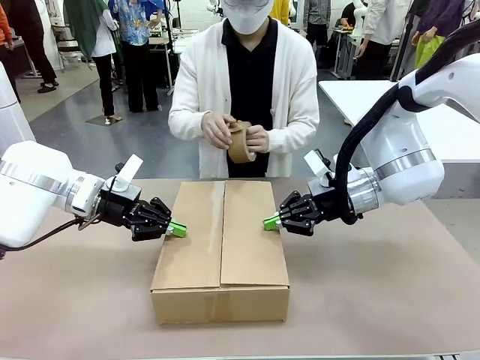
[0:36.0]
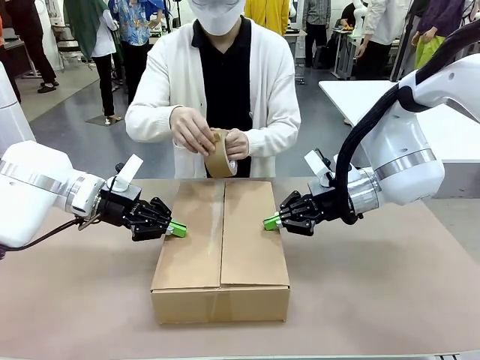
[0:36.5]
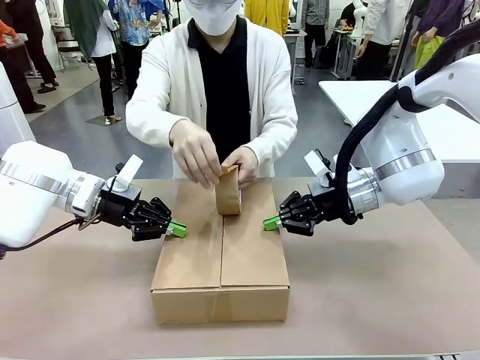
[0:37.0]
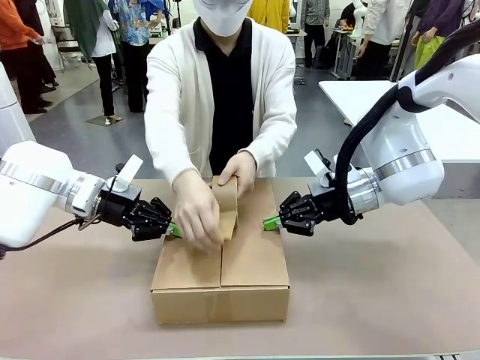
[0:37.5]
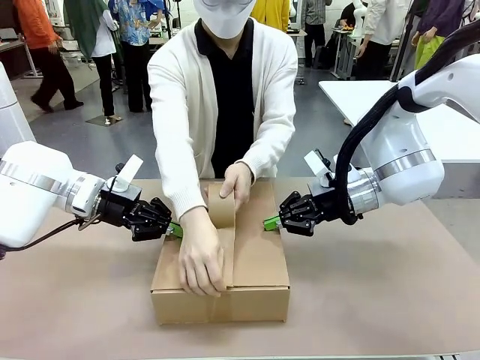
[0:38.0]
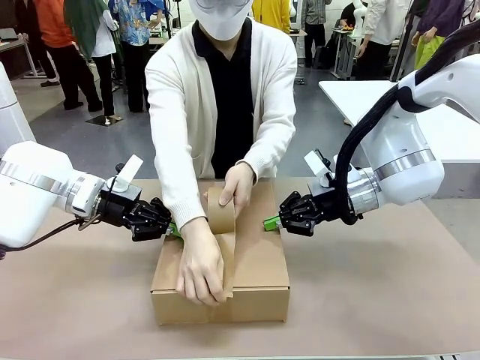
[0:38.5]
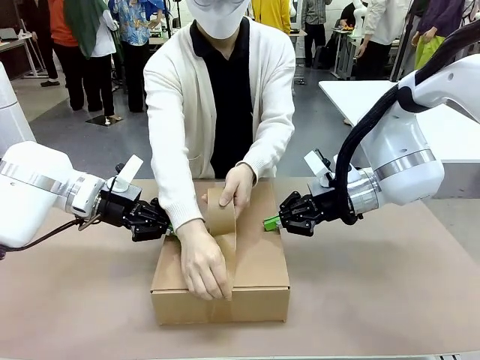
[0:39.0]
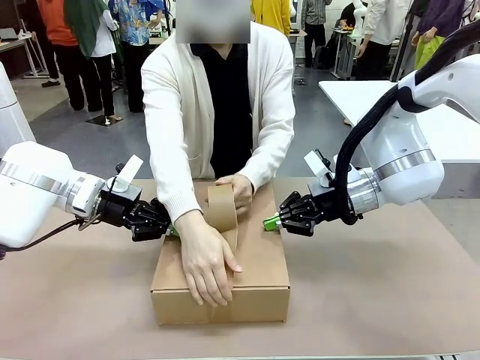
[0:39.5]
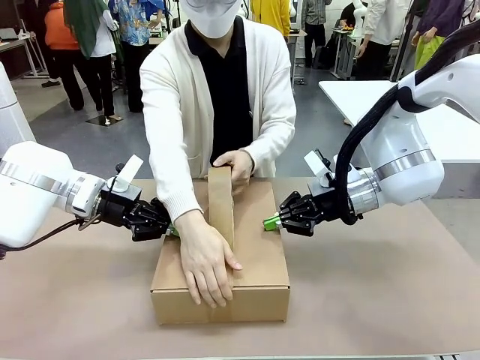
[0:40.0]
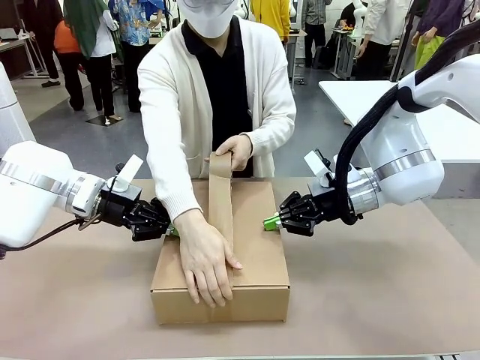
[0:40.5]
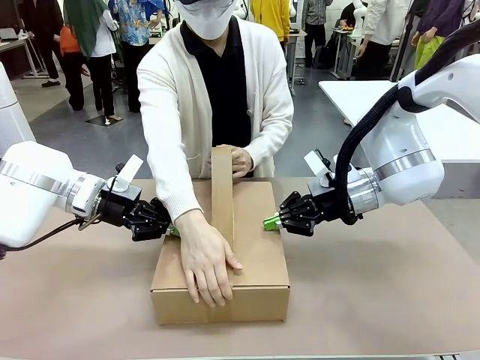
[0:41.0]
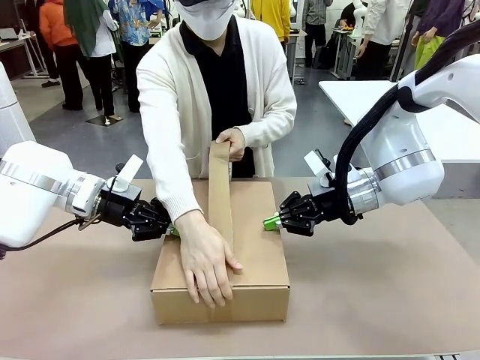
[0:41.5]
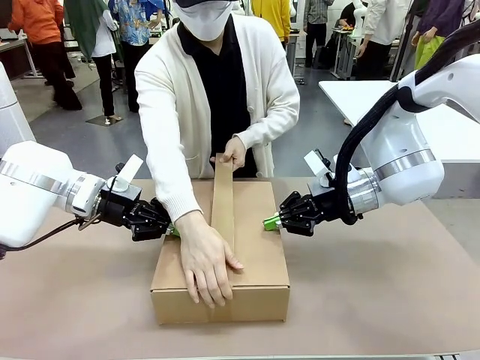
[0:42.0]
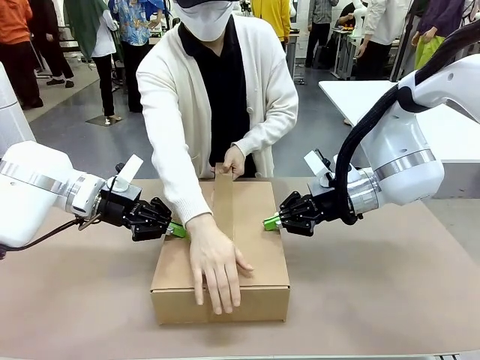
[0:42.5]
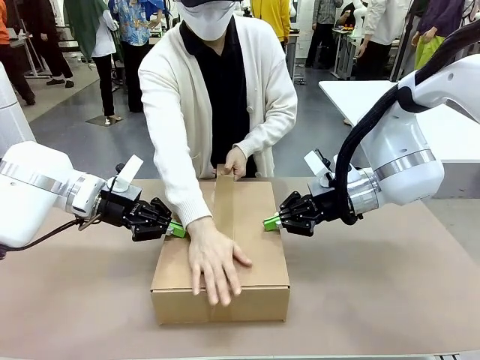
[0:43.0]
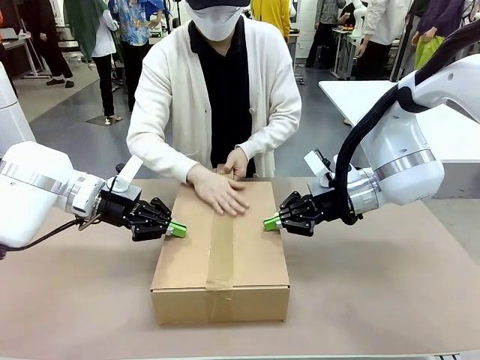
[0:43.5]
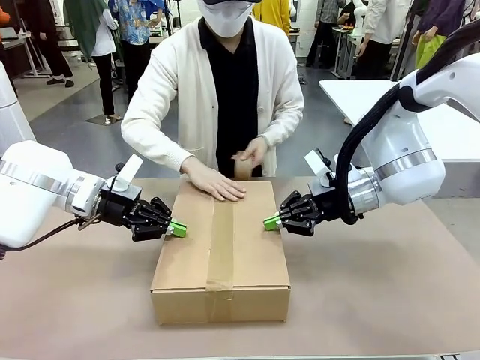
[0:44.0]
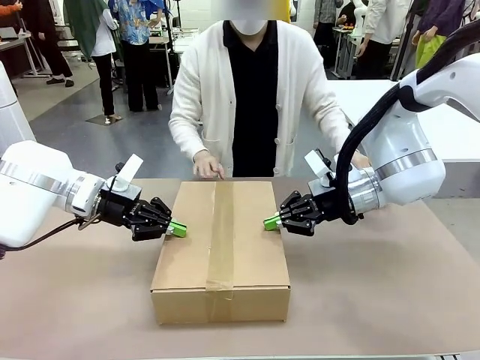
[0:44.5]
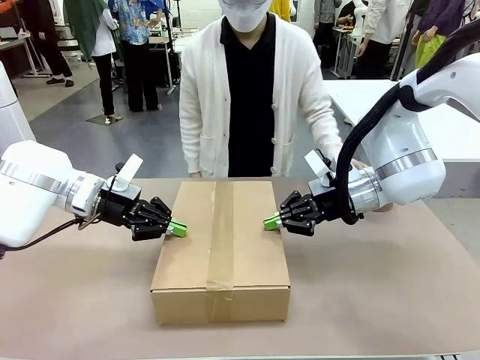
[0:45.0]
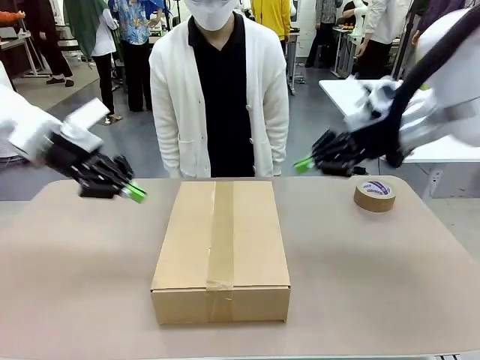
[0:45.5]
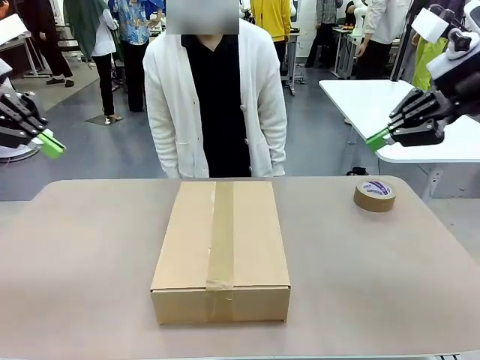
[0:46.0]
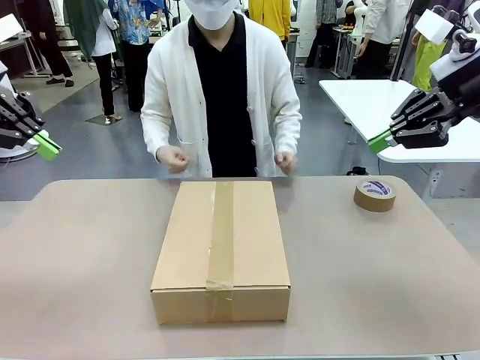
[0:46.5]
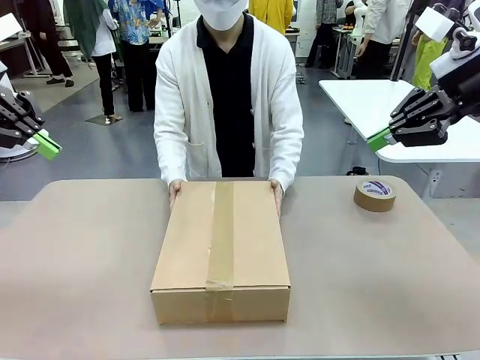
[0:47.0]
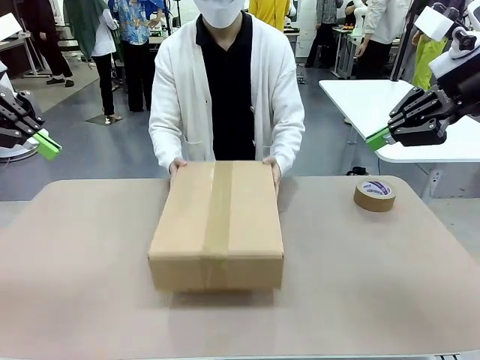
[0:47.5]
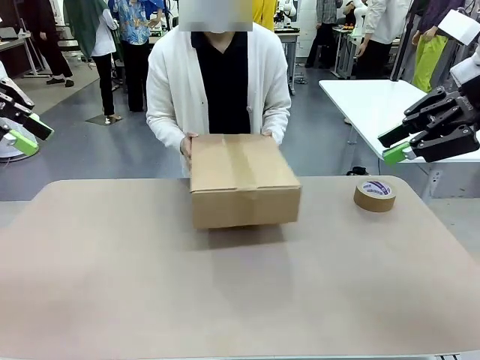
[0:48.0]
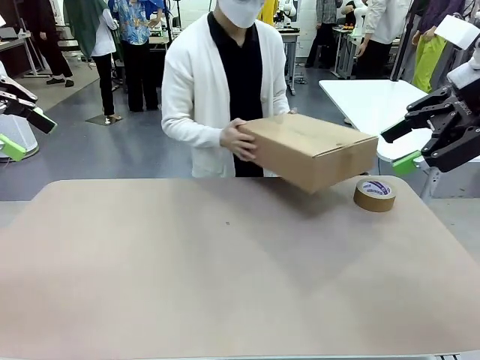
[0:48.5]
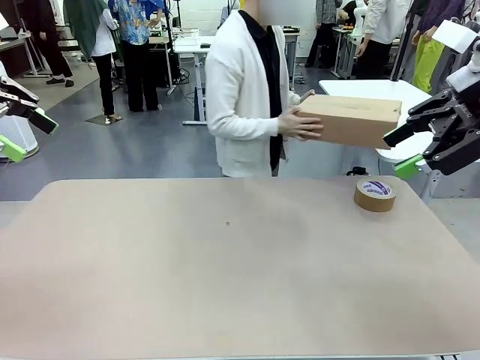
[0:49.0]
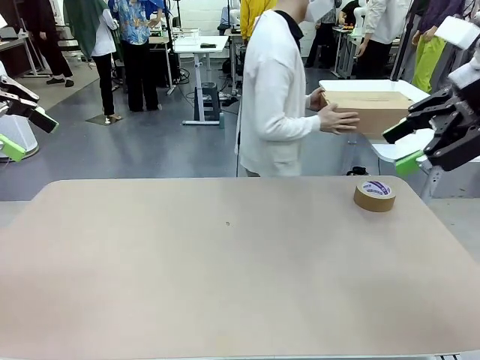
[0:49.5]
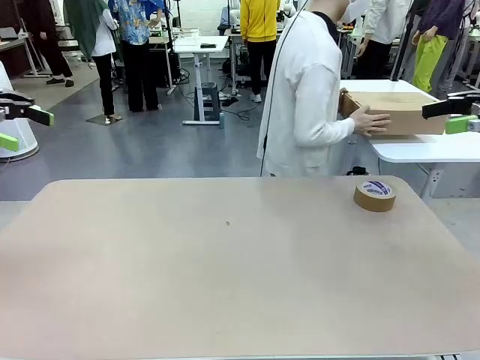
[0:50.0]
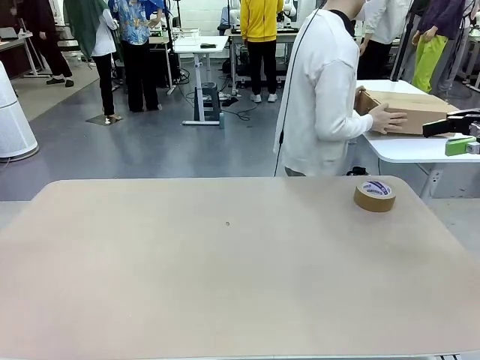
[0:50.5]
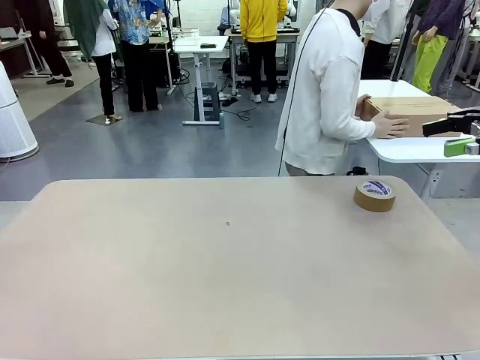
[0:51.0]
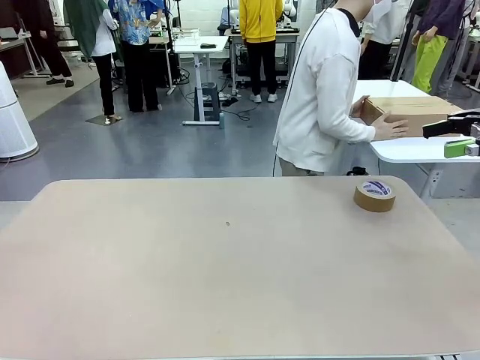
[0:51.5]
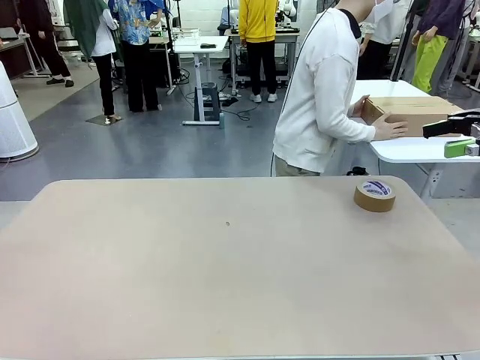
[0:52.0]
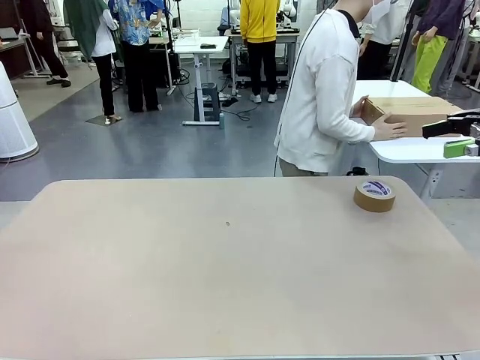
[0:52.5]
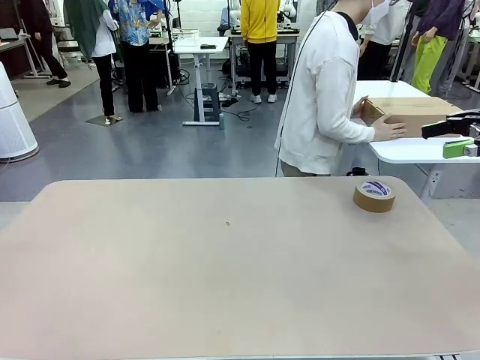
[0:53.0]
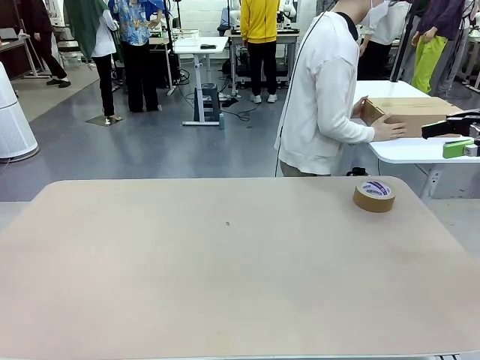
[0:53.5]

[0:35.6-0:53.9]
Task: Wrap the clocks to prevent damage.
Robot: After the human seals the box with tape, release both hands from the side flaps of the Package Box.
Person: Once the robot closes the left flap of the Package Box , seal the box with Paper Tape. Place sealed Package Box in the middle of the human's table.

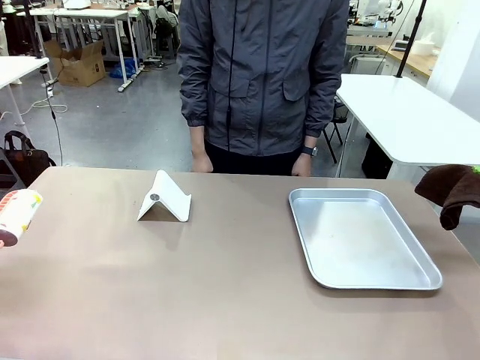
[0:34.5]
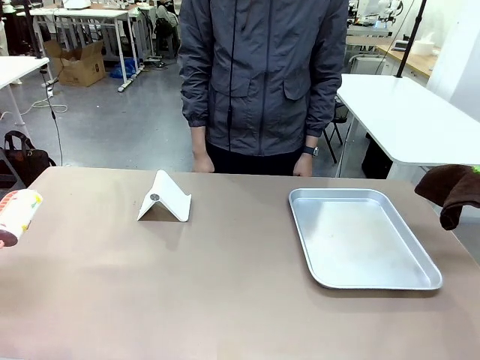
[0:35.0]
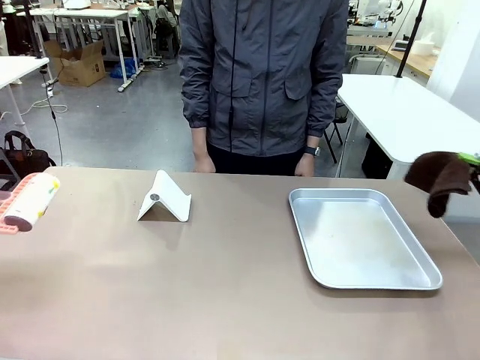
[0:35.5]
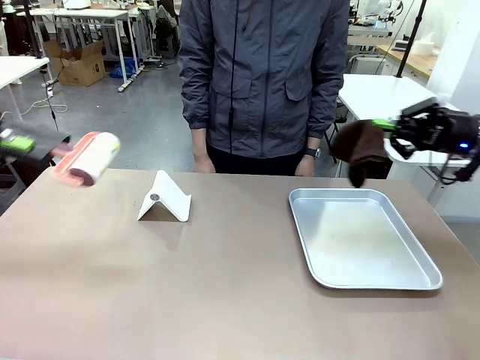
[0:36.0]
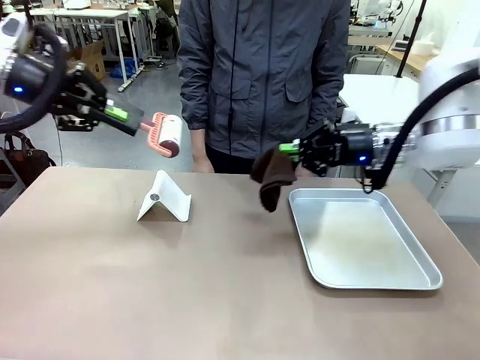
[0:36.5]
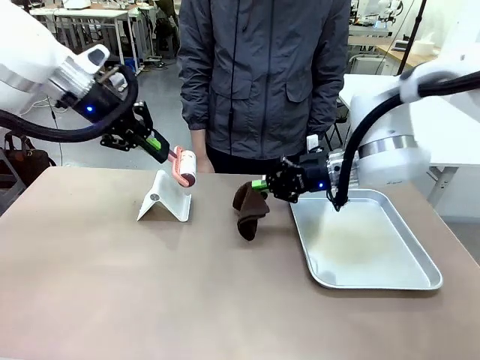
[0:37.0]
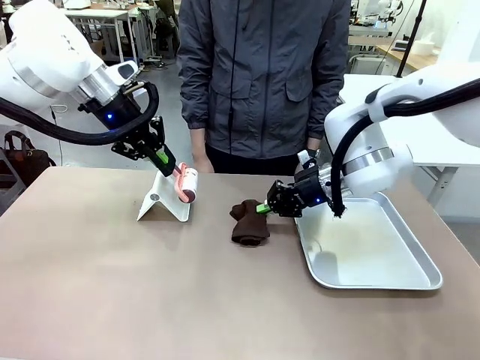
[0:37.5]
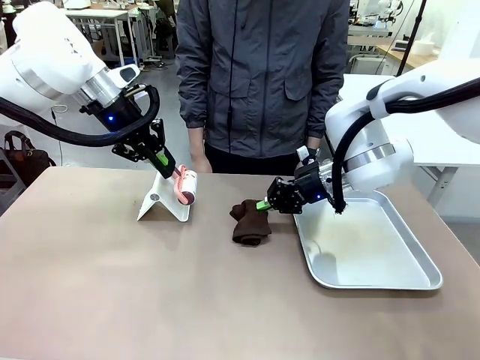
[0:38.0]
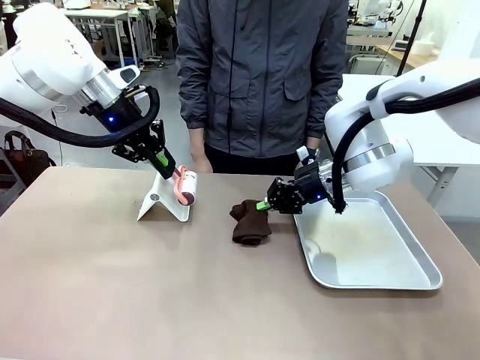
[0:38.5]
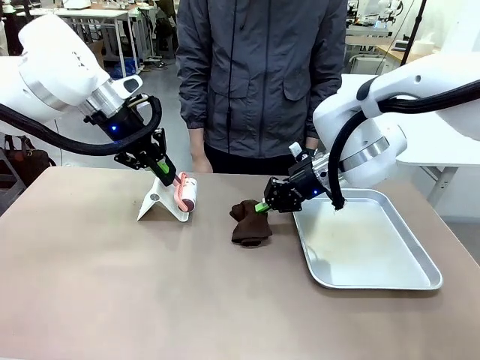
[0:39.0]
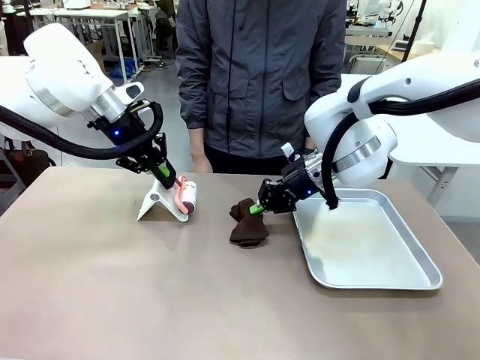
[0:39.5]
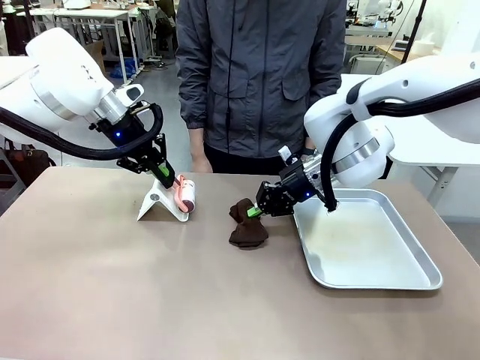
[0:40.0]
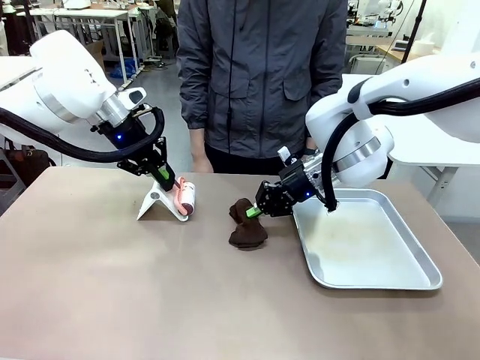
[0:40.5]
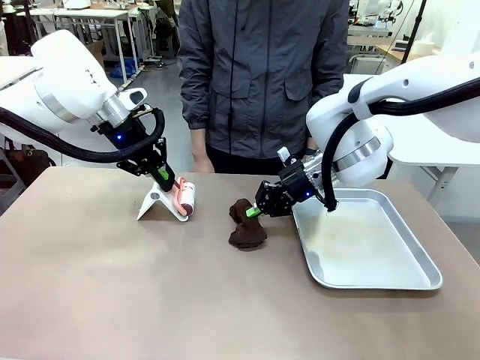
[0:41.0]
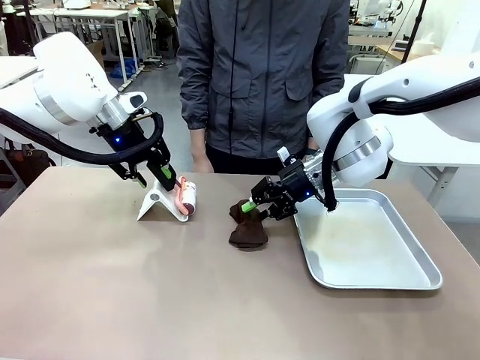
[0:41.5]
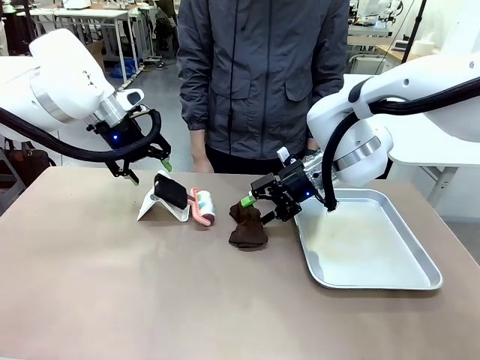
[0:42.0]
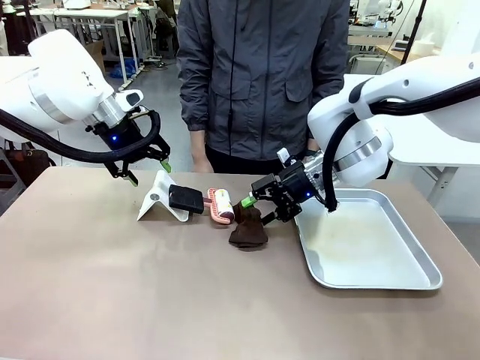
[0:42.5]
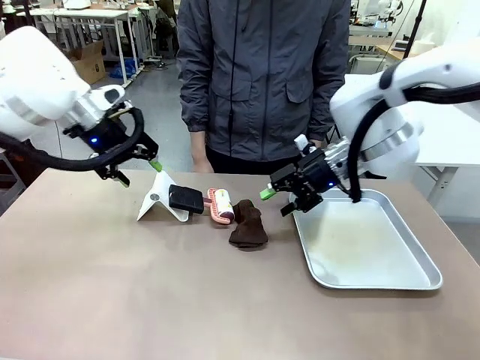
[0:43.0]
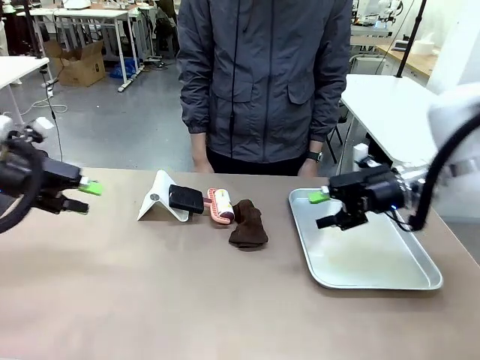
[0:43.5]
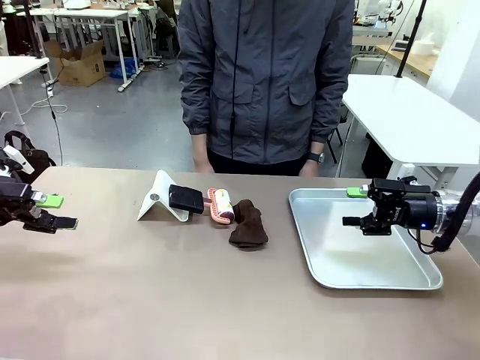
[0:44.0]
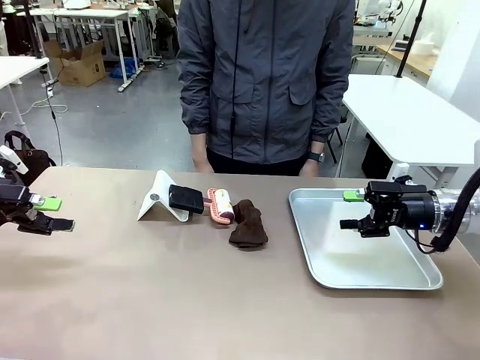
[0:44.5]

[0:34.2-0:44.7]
Task: Clean the surface of the table.
Robot: Return the Lint Roller and towel to their original positions.
